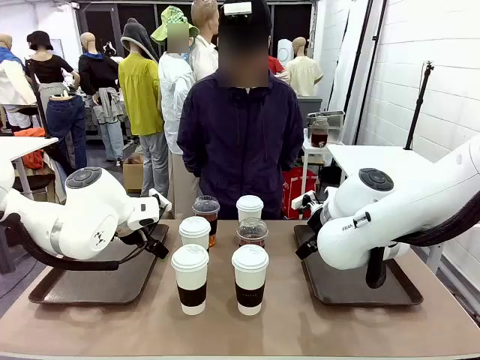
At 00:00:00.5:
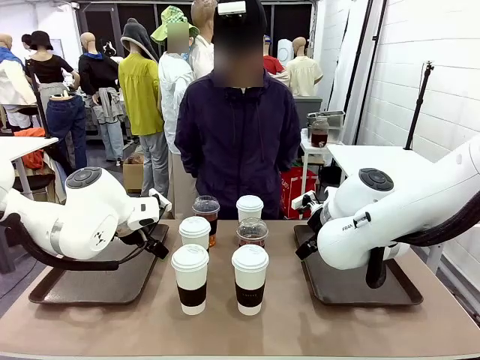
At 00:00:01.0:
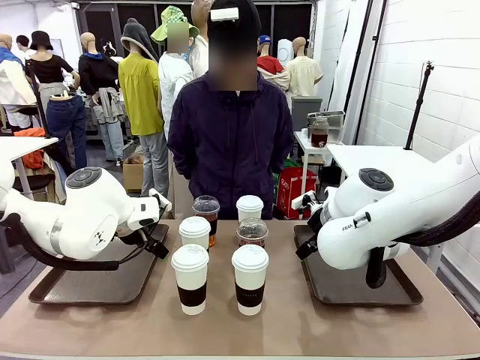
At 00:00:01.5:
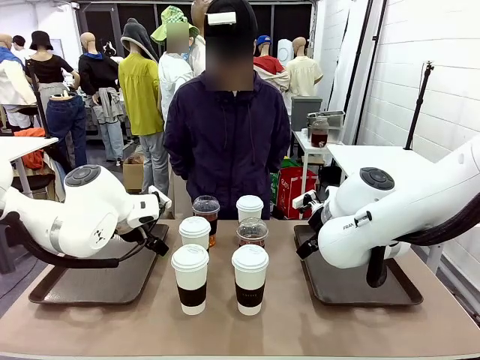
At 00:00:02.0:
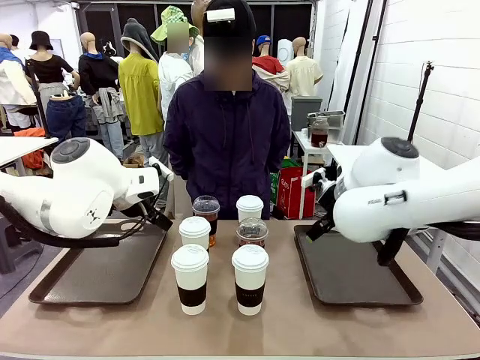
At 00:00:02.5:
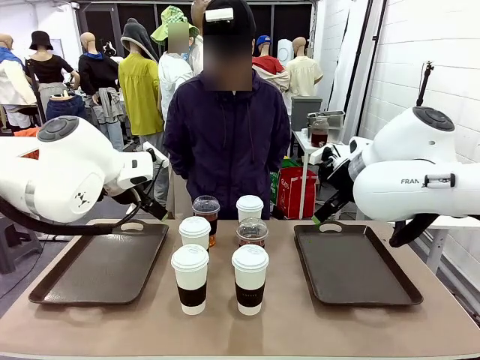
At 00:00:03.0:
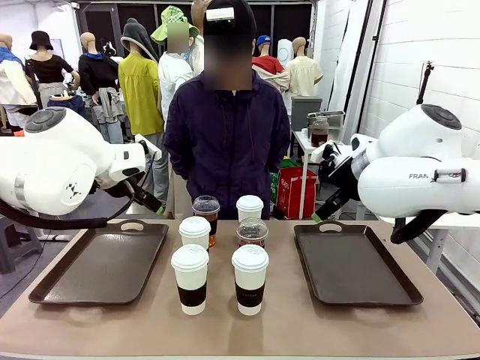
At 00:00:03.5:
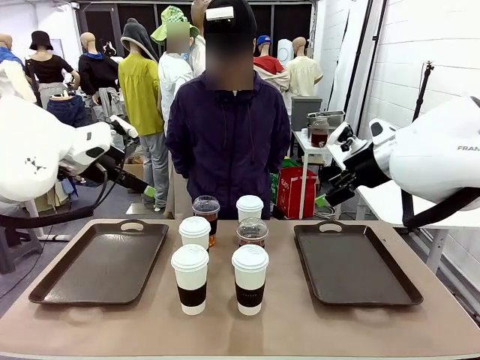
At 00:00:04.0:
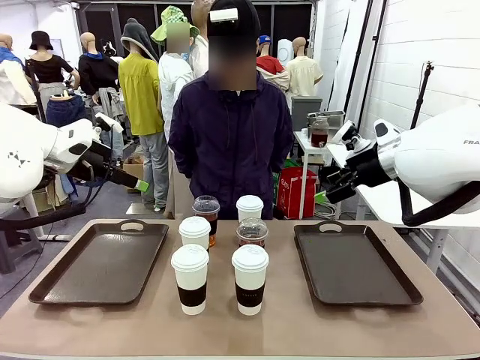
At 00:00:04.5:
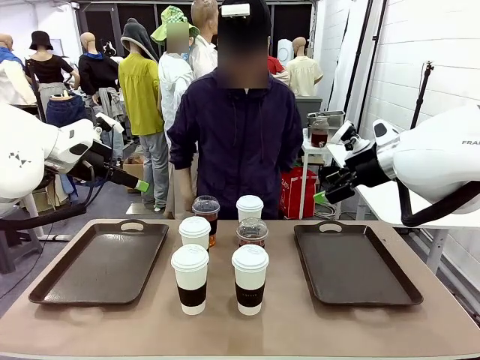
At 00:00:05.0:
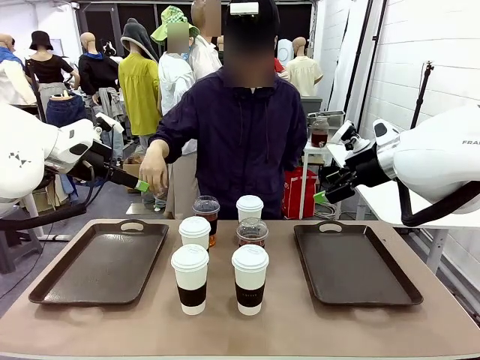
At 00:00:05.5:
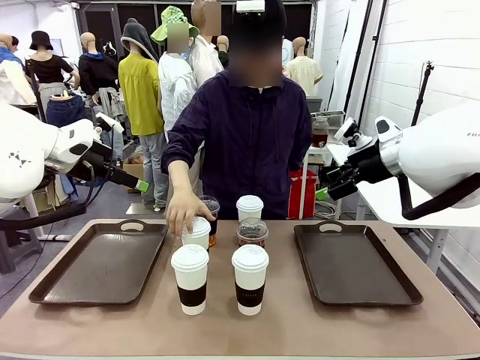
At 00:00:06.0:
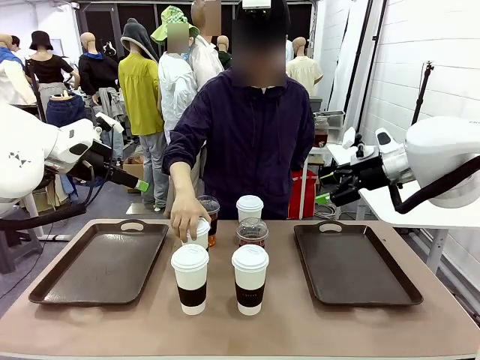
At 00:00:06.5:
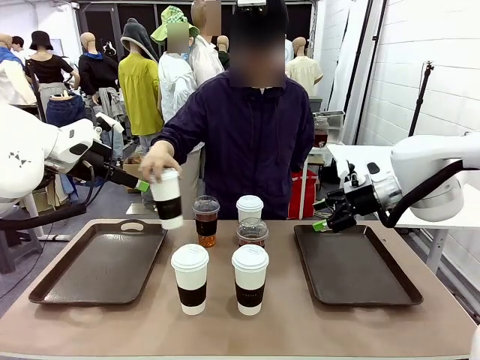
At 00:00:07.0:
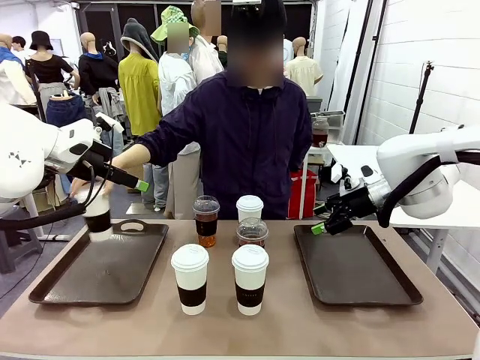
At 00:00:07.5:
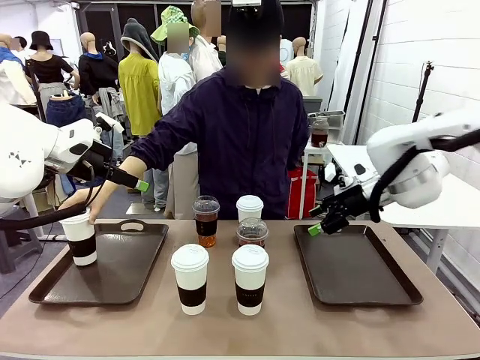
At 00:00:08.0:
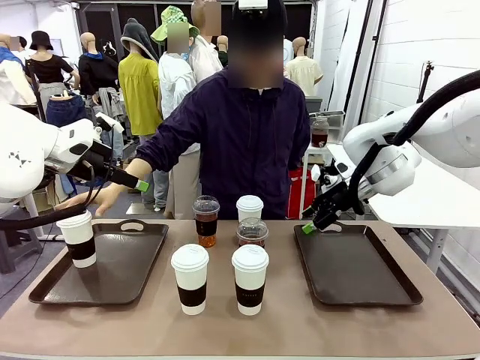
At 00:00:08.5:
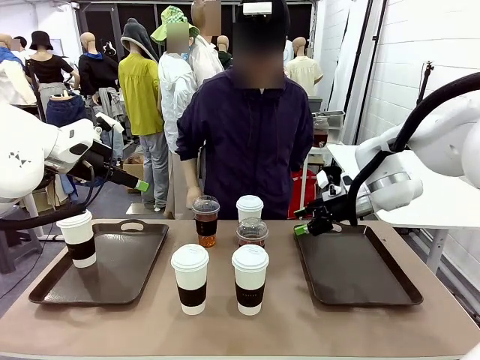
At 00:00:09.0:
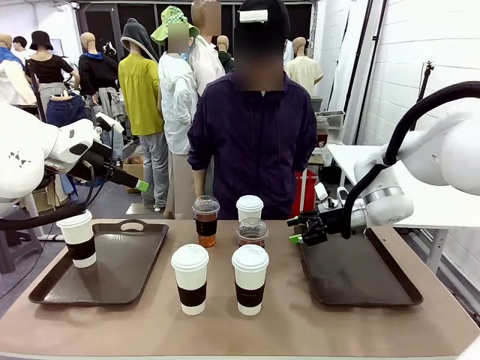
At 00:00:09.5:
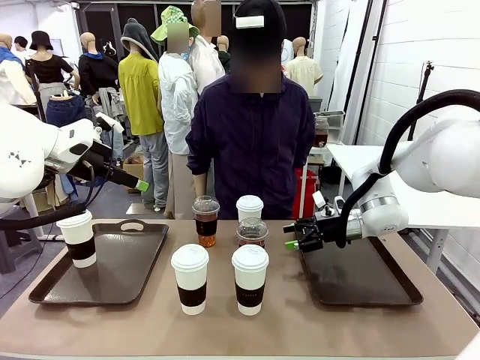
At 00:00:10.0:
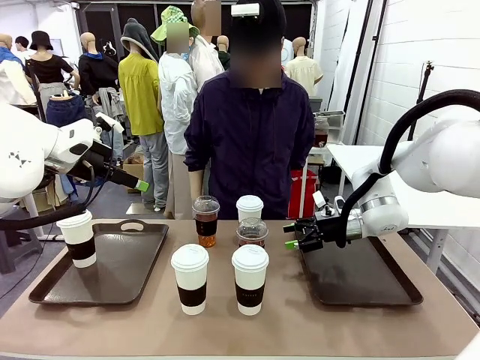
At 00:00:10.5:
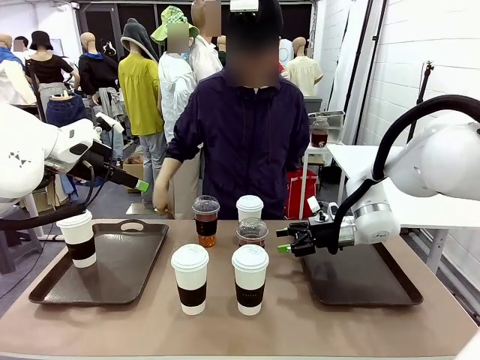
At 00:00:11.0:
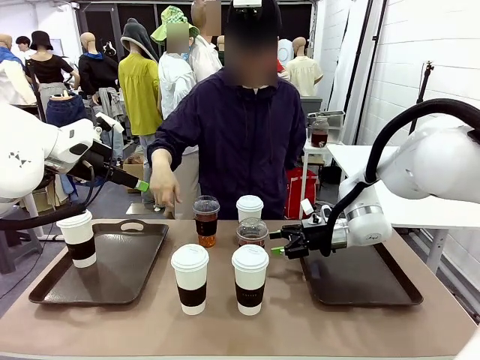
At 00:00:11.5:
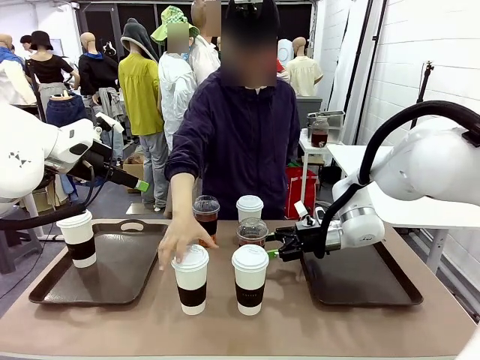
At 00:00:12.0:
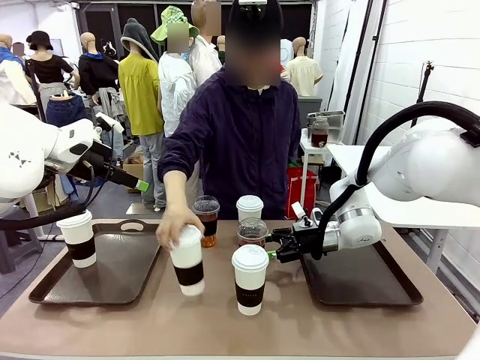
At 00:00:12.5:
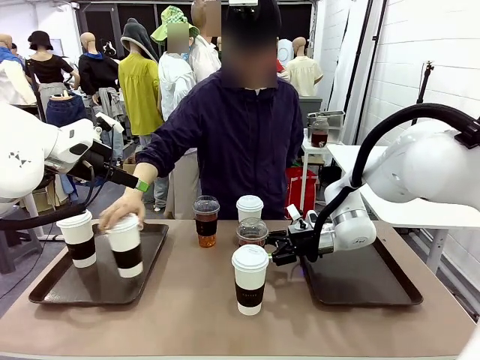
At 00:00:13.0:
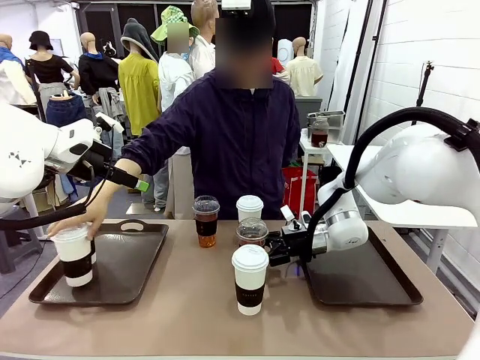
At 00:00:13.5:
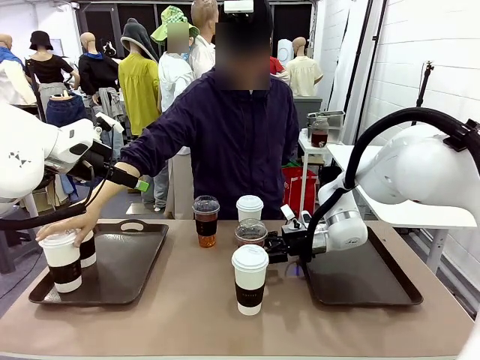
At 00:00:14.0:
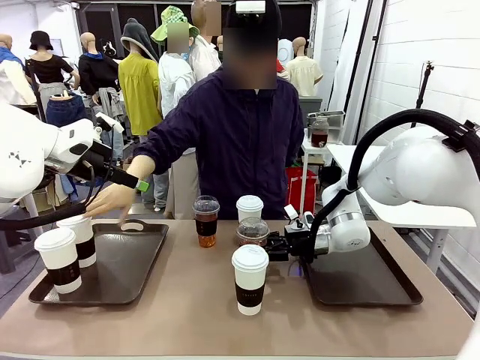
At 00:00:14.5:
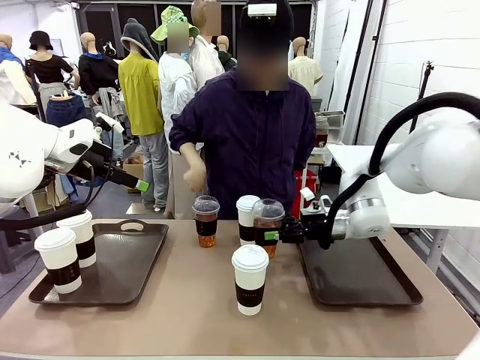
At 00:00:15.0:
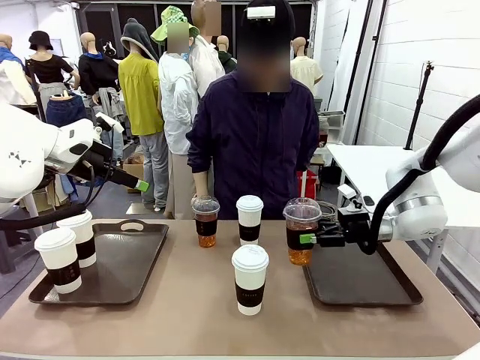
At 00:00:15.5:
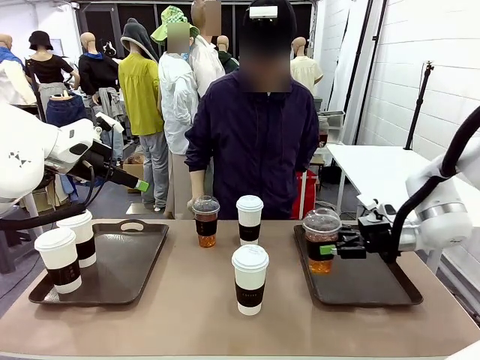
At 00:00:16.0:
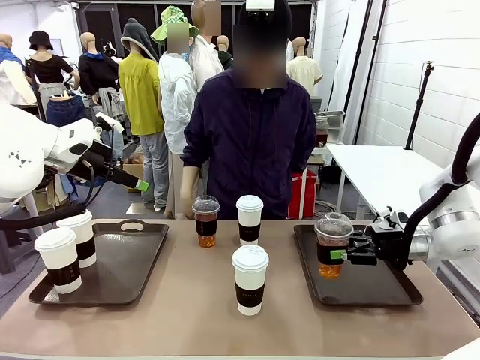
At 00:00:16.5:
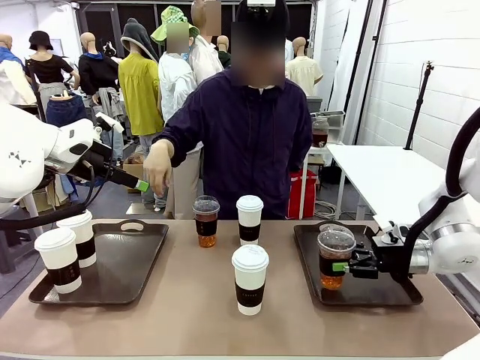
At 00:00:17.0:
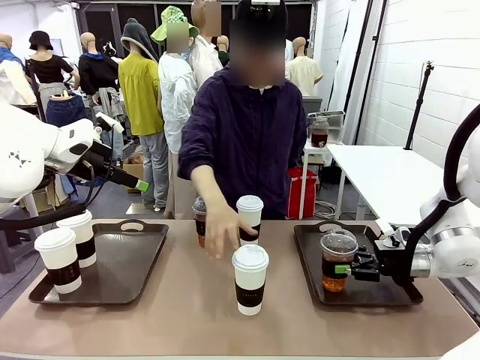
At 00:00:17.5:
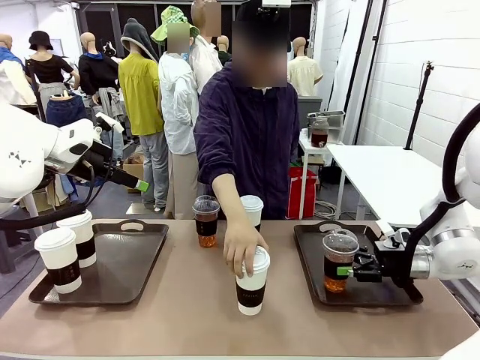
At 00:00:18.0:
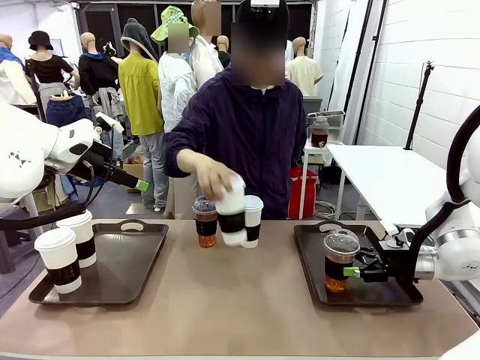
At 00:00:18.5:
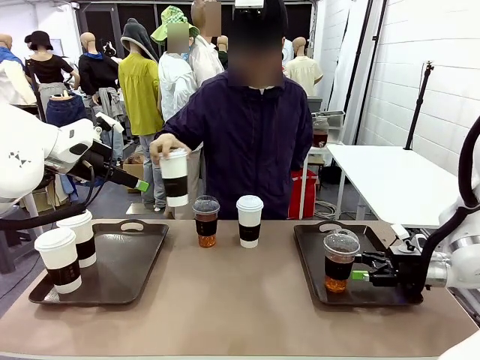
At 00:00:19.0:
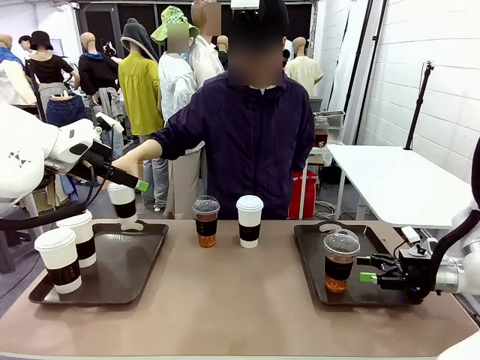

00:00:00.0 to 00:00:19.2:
Task: Distribute the coffee onto the tray.
Robot: Pick up one iced Americano and place it on the right Handle tray.
Person: Pick up a cup of hot Americano and place it on the right tray.
